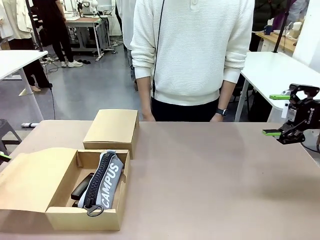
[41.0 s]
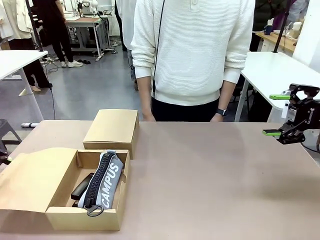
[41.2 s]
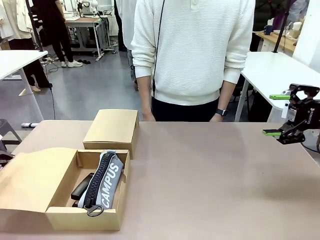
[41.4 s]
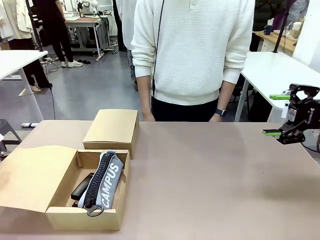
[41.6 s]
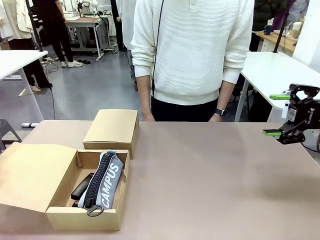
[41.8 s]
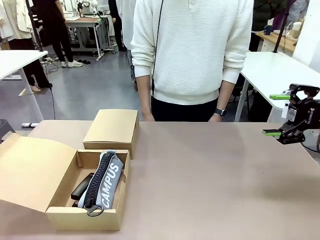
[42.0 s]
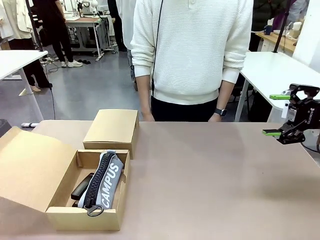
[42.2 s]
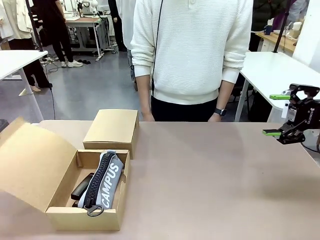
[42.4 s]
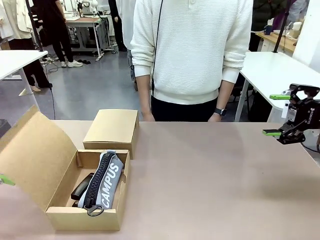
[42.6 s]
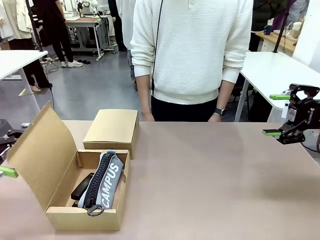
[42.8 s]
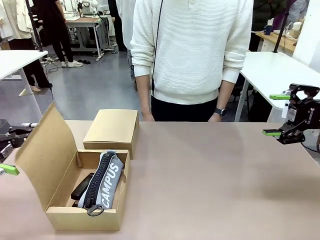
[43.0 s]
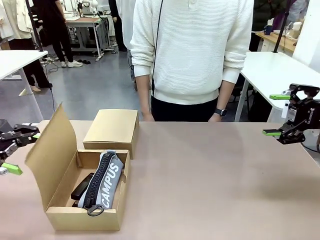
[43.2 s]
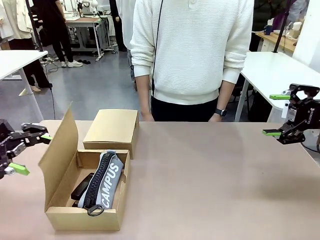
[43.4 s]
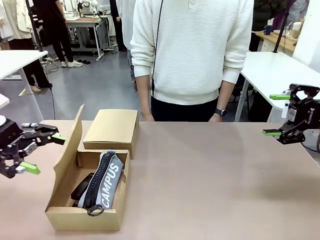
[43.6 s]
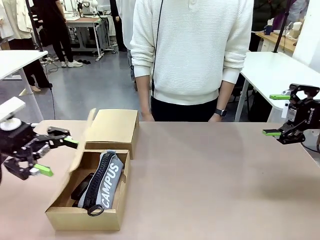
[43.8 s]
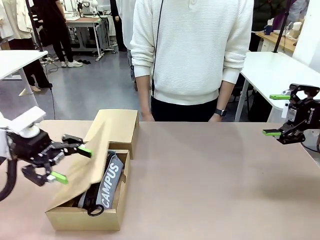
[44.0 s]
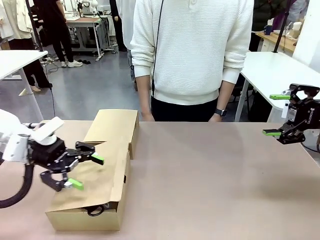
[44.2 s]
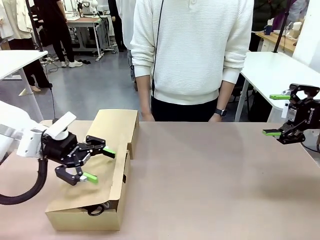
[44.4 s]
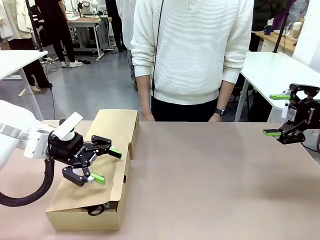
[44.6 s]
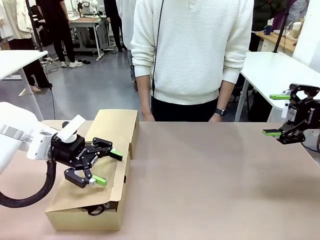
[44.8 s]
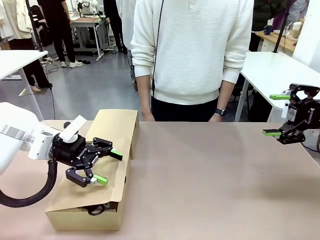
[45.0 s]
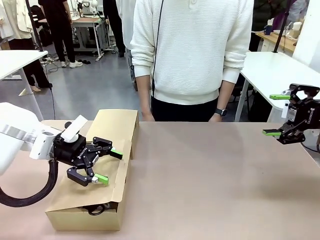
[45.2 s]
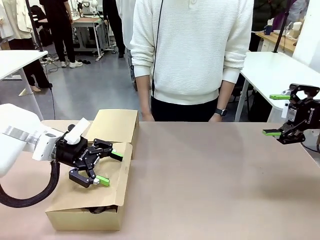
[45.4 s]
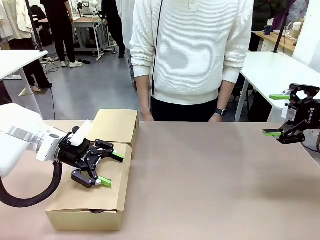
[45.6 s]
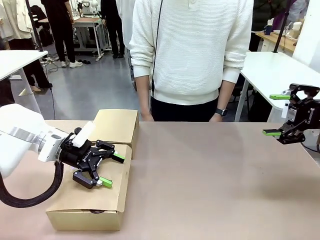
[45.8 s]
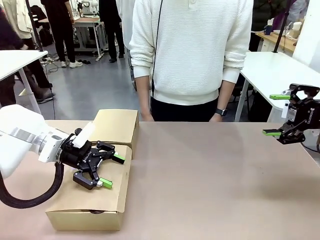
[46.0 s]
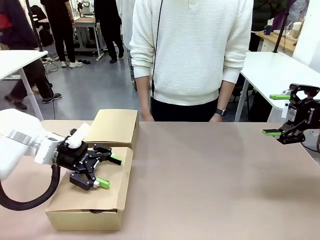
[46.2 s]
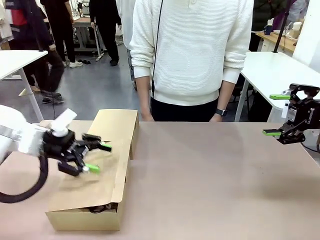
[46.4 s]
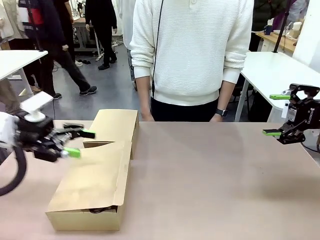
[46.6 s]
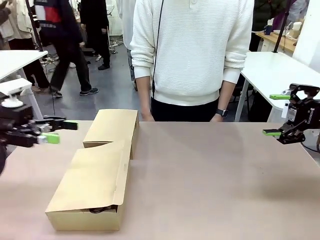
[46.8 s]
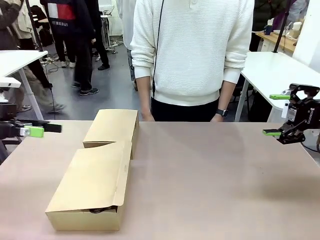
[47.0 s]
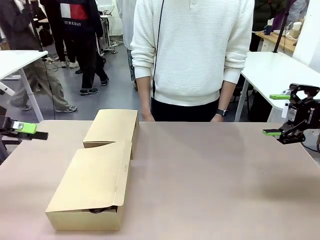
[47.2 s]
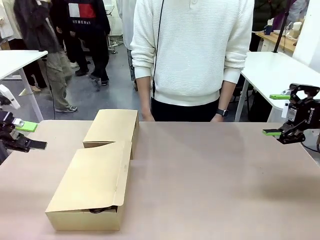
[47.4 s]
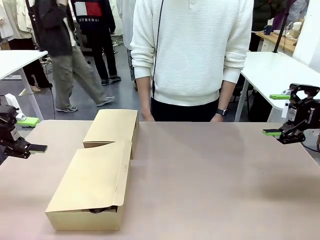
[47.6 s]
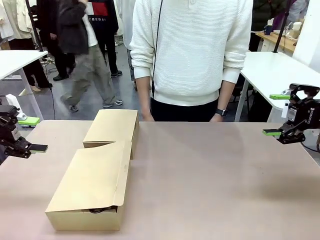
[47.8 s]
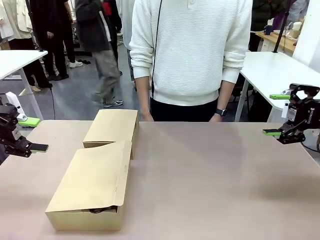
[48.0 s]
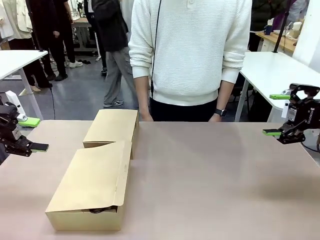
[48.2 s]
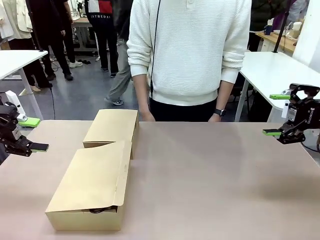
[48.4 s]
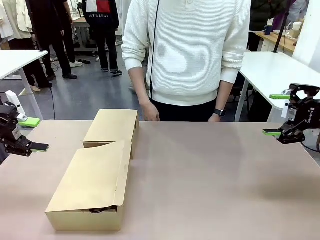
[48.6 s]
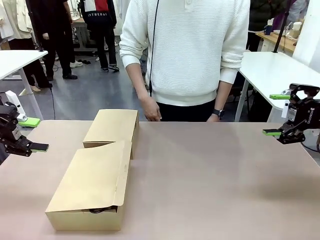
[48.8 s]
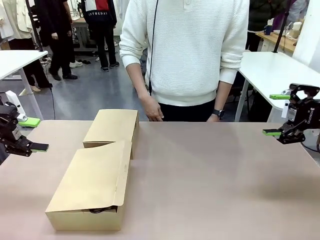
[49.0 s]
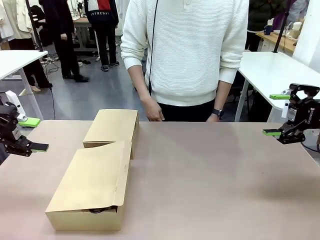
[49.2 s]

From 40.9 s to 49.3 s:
Task: Place items inside the box.
Robot: Close the lid of the Mailer Box closest to the robot.

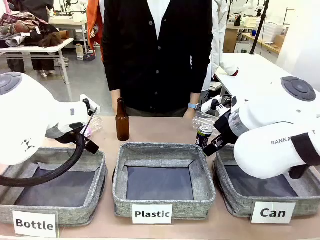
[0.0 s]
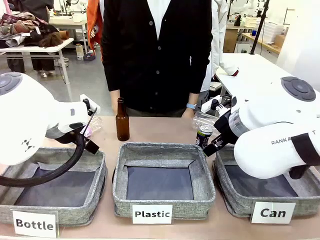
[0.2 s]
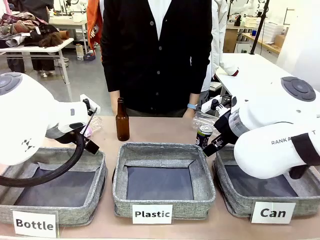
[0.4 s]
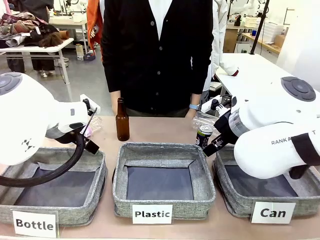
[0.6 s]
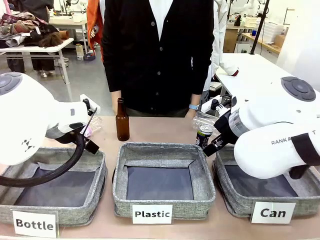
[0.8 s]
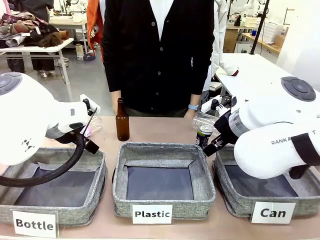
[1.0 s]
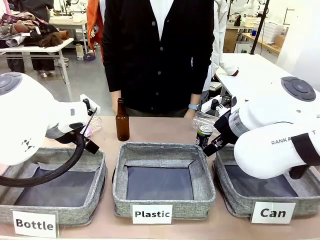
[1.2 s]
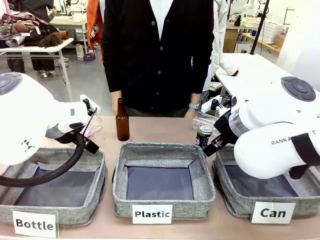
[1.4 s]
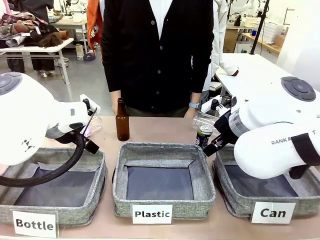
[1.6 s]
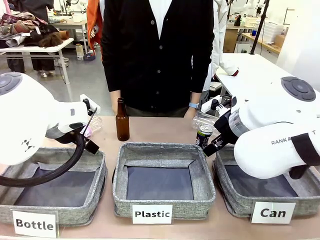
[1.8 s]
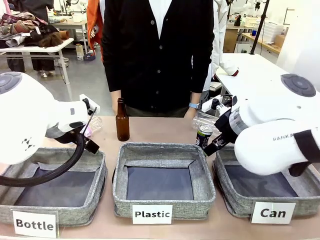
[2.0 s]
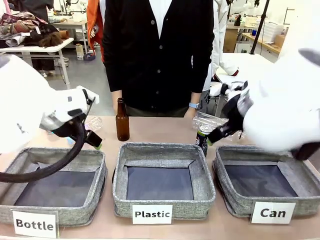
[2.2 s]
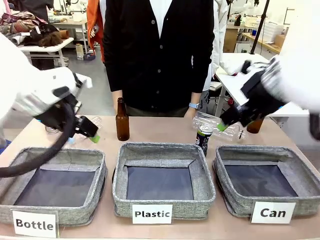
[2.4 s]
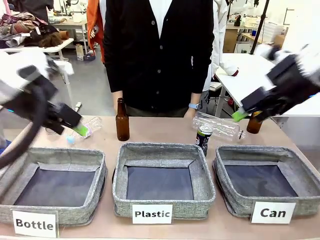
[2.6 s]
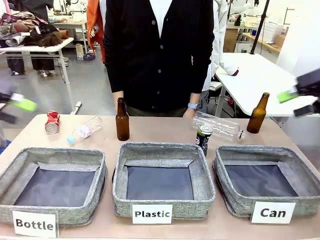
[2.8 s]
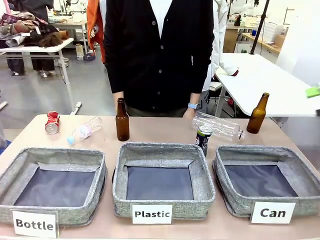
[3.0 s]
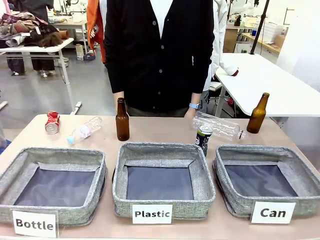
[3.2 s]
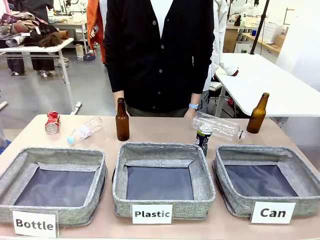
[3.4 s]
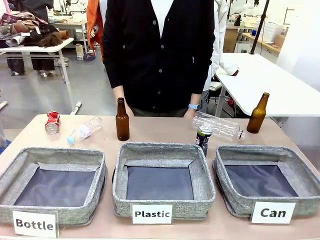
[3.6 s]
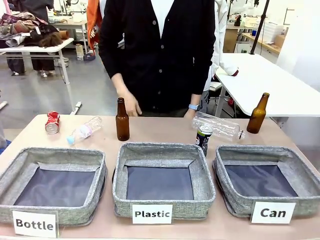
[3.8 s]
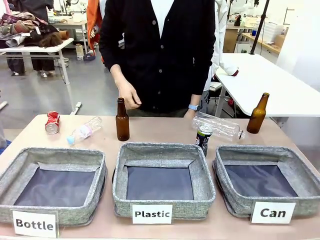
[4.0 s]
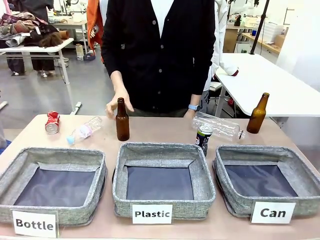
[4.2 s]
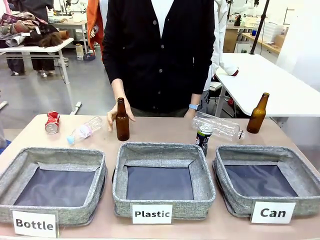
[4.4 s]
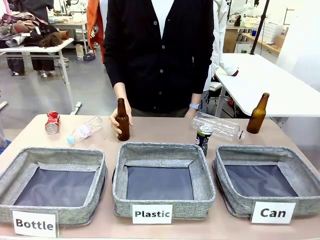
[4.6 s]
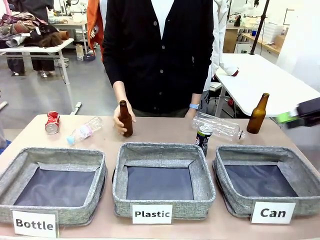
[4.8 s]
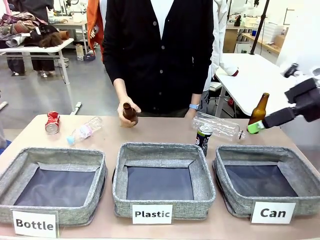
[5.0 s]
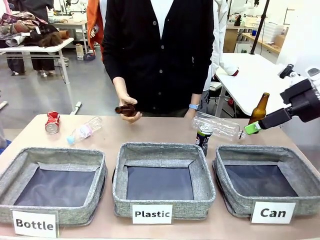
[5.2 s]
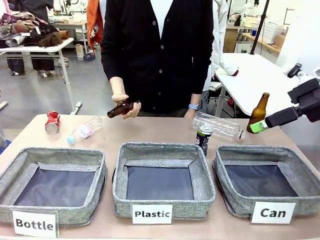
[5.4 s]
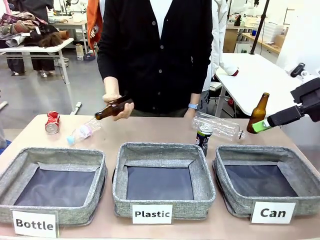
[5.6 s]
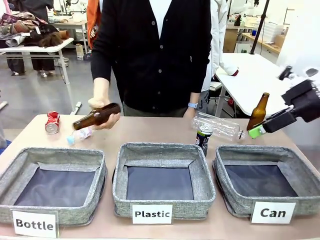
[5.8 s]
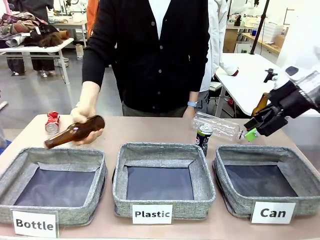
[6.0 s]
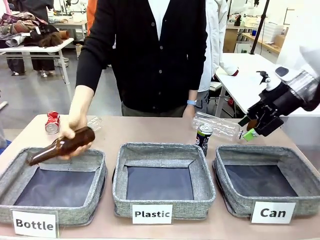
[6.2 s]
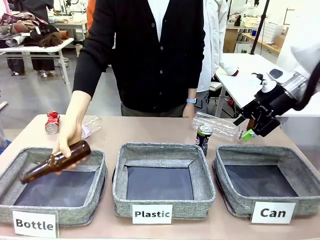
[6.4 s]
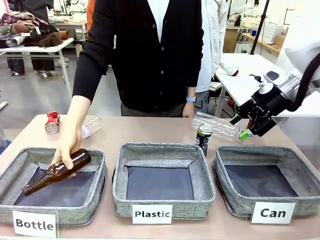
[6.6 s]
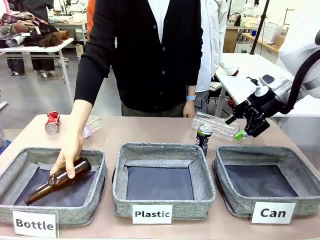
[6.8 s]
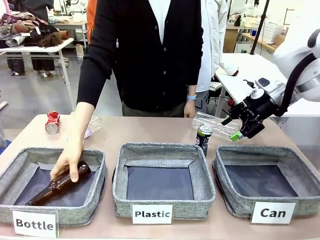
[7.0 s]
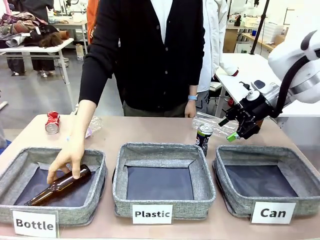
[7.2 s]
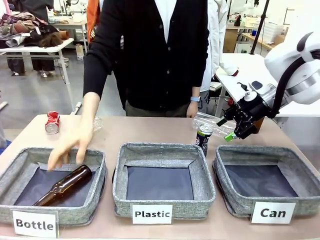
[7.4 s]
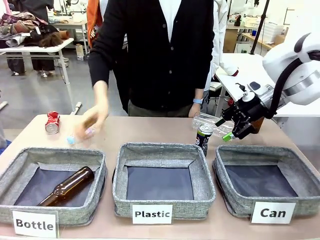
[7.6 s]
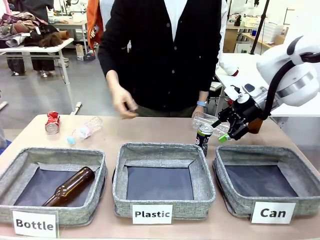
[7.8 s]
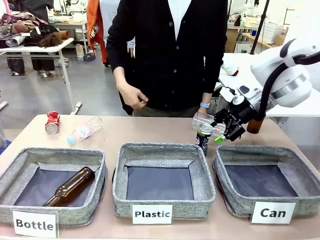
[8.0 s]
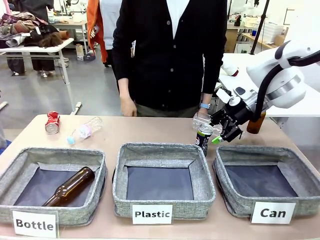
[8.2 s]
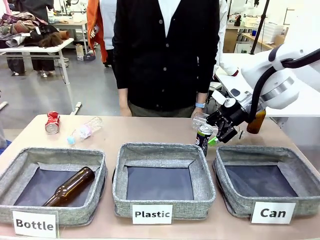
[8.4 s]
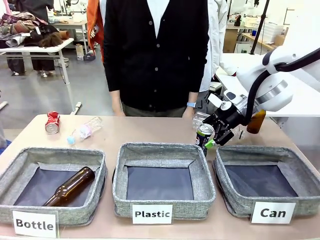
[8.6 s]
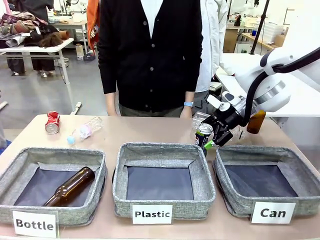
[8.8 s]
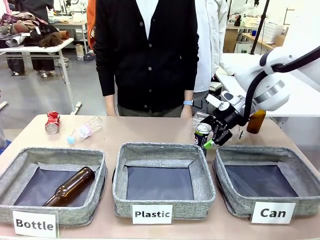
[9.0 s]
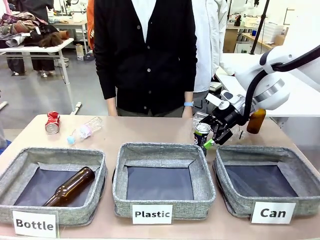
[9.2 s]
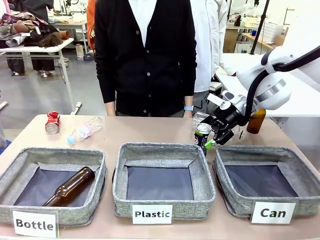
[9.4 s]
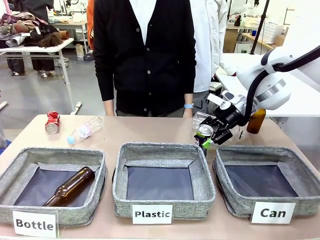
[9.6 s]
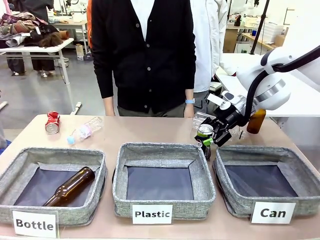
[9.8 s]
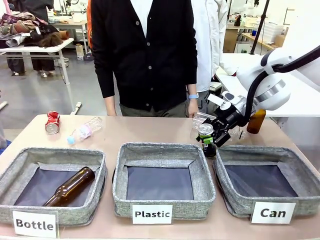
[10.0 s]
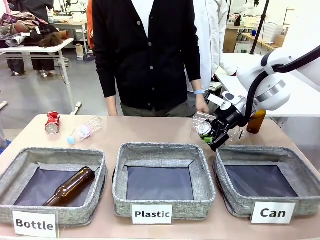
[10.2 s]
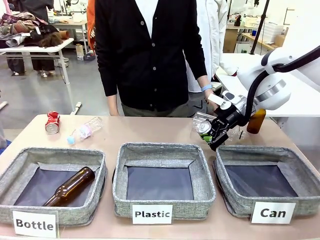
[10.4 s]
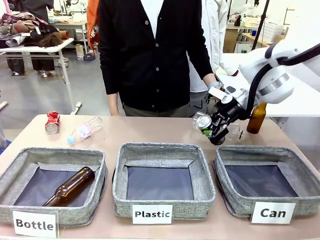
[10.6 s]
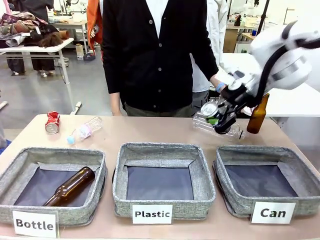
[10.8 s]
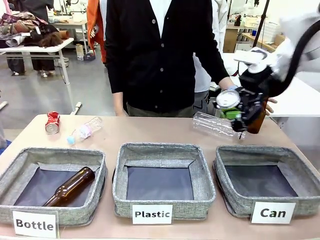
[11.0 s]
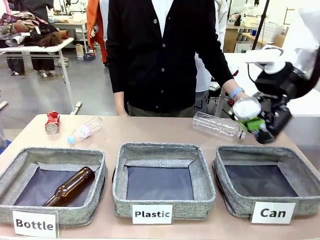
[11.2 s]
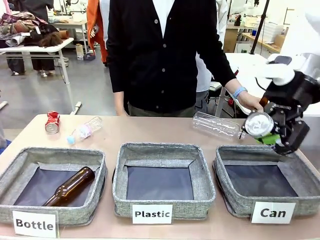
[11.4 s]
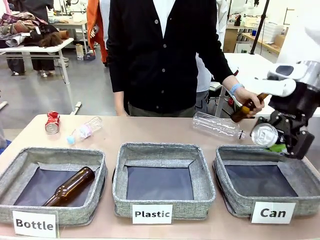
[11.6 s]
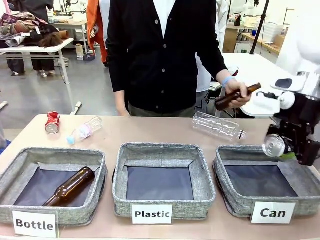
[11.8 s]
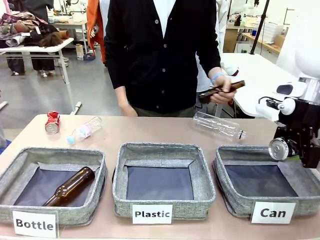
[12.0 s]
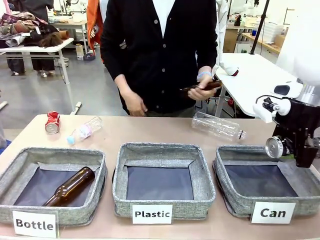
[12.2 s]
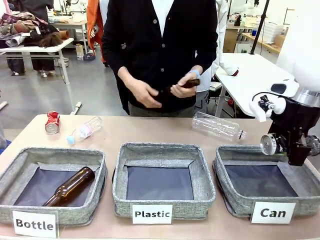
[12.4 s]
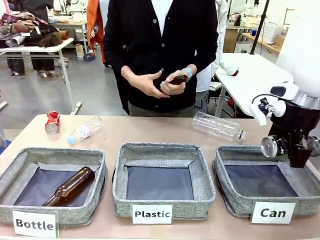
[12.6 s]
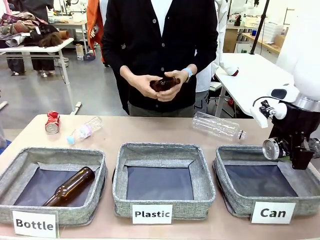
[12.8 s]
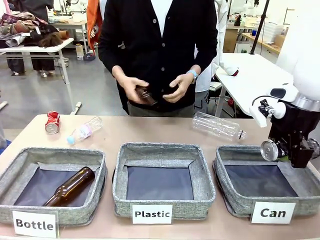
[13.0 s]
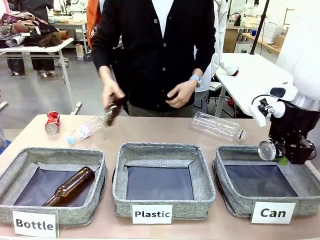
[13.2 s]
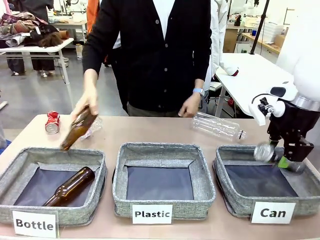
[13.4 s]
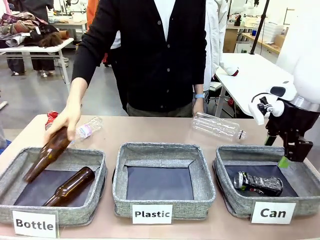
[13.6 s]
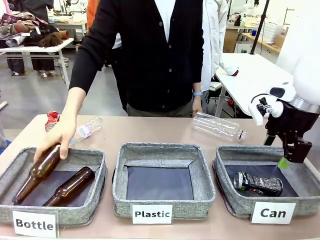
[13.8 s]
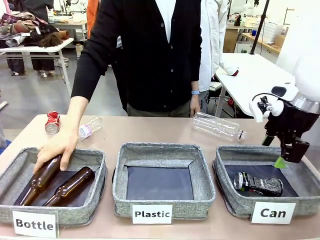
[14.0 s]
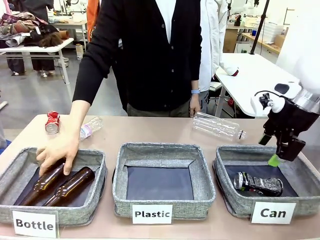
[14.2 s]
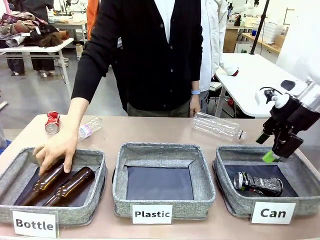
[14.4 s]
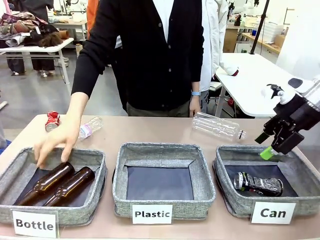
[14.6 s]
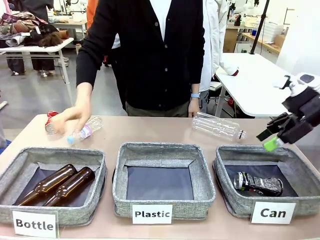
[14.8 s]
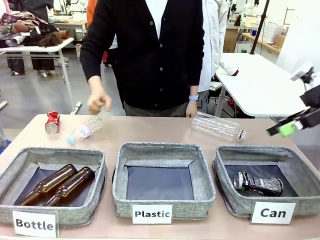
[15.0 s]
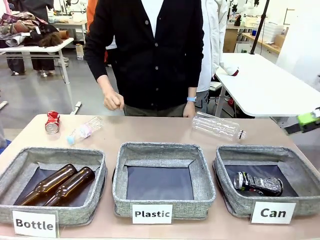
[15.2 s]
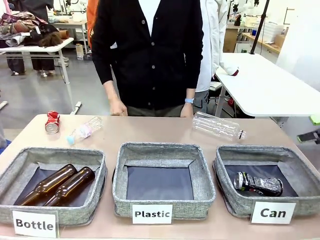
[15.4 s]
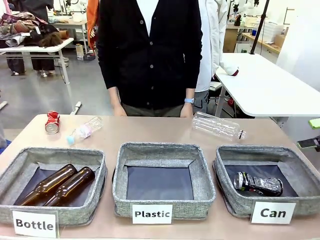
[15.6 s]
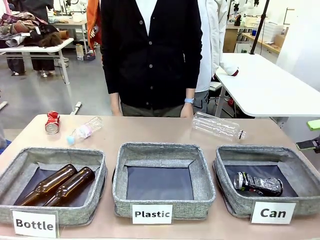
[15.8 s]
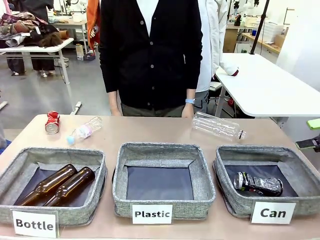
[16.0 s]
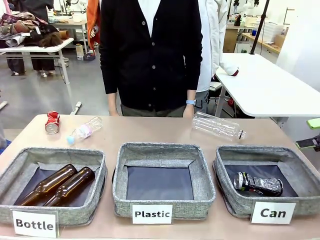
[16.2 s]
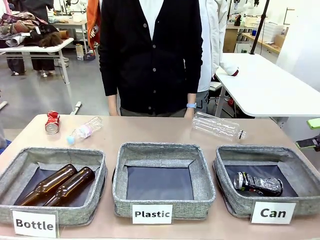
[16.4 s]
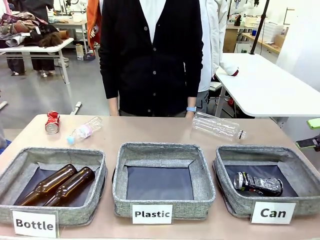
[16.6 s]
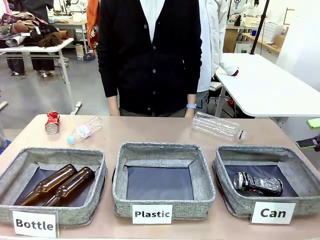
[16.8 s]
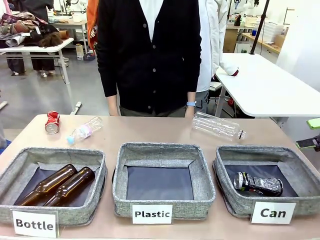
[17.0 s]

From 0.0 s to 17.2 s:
Task: Sort the can waste into the basket.
Robot: Pick up the can waste from the table and place it in the right Fabric basket.
